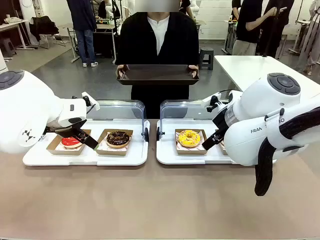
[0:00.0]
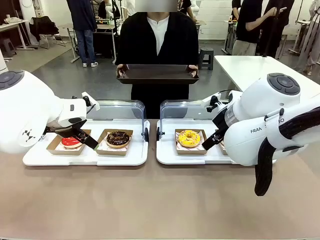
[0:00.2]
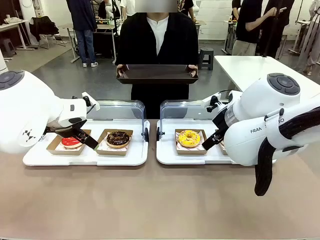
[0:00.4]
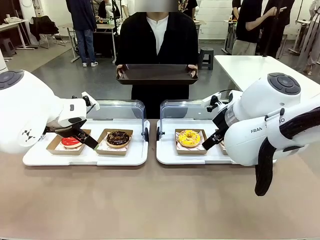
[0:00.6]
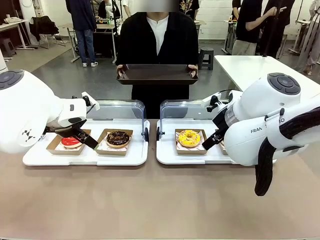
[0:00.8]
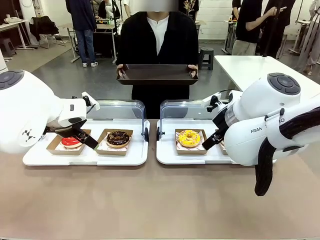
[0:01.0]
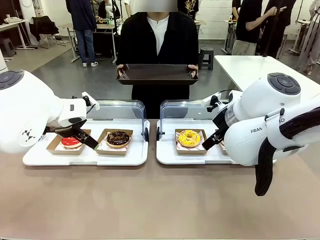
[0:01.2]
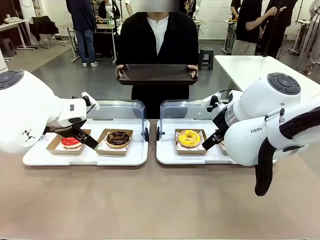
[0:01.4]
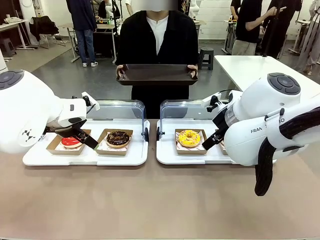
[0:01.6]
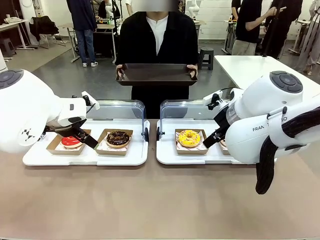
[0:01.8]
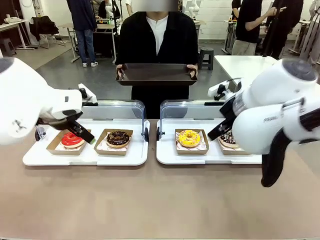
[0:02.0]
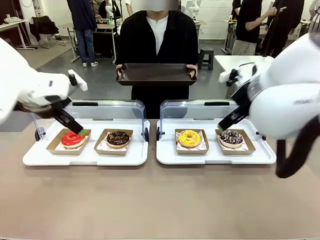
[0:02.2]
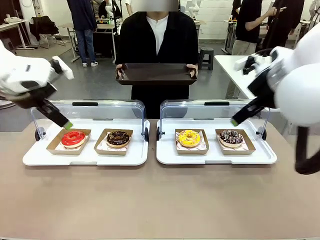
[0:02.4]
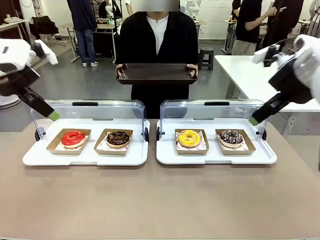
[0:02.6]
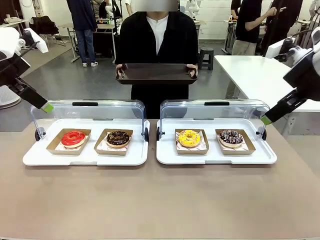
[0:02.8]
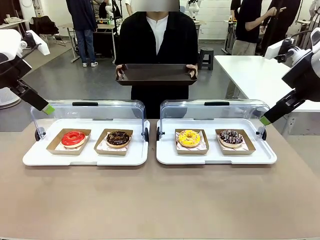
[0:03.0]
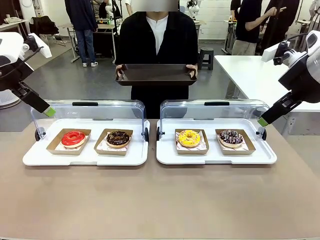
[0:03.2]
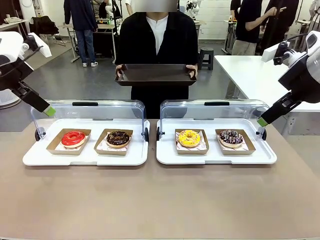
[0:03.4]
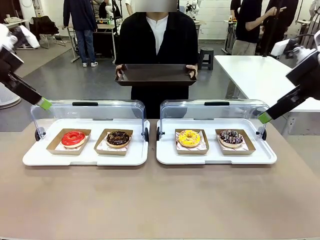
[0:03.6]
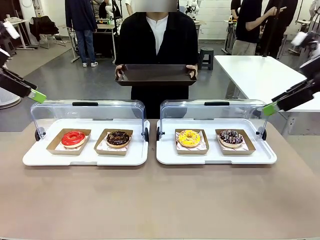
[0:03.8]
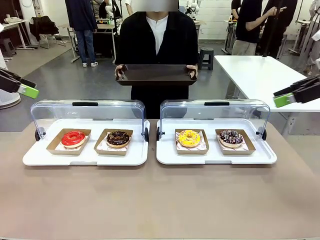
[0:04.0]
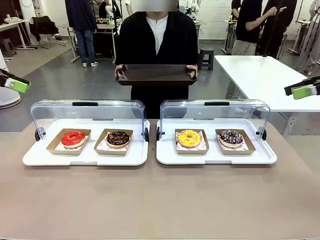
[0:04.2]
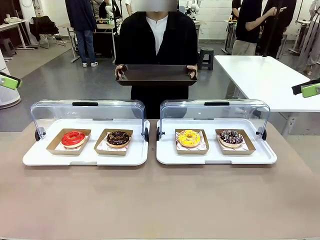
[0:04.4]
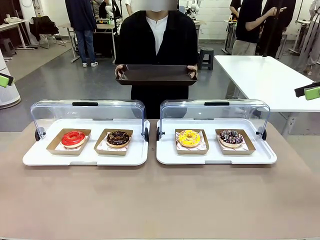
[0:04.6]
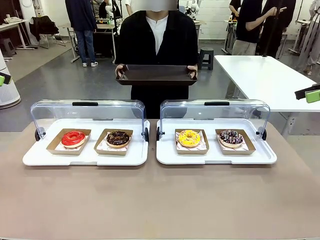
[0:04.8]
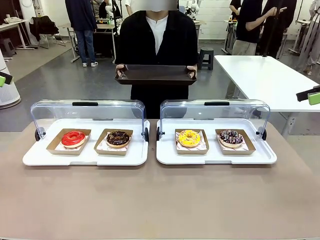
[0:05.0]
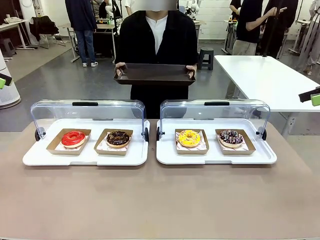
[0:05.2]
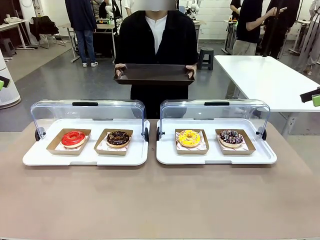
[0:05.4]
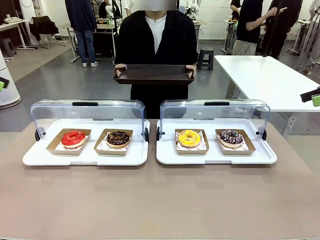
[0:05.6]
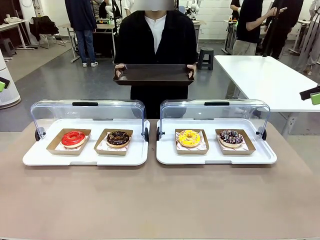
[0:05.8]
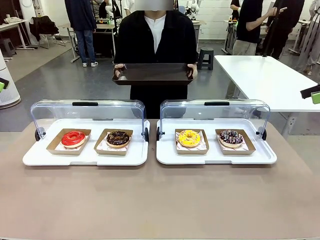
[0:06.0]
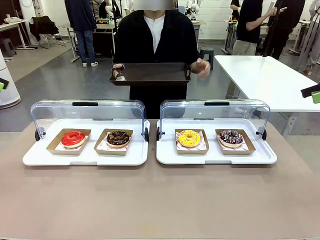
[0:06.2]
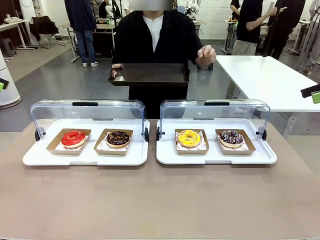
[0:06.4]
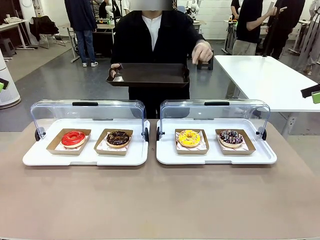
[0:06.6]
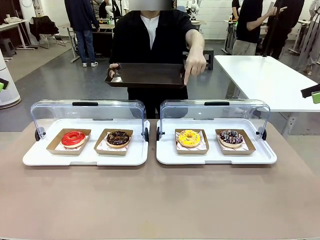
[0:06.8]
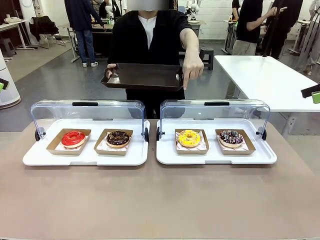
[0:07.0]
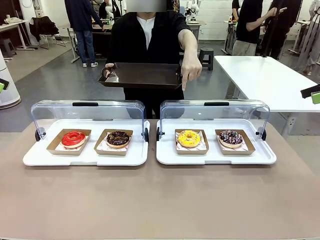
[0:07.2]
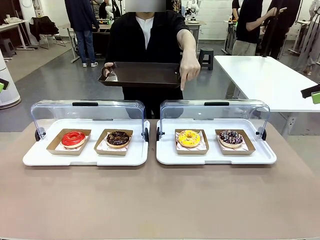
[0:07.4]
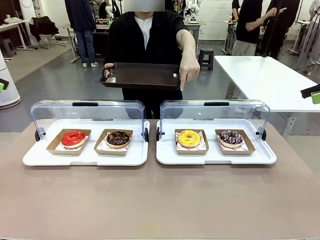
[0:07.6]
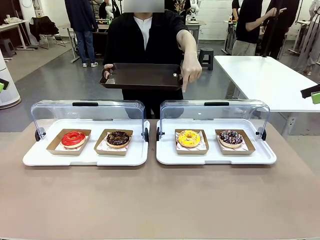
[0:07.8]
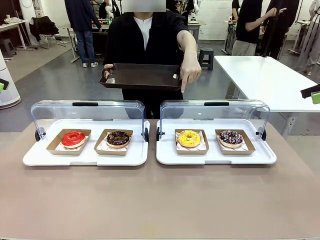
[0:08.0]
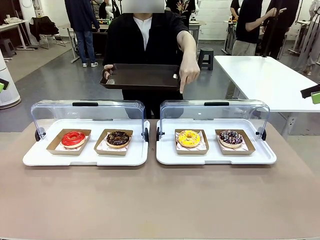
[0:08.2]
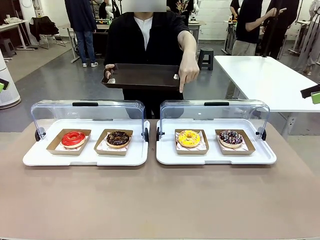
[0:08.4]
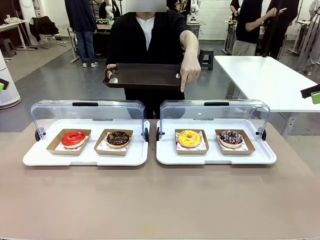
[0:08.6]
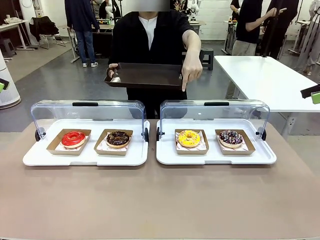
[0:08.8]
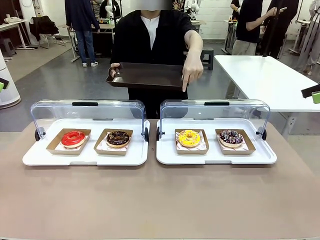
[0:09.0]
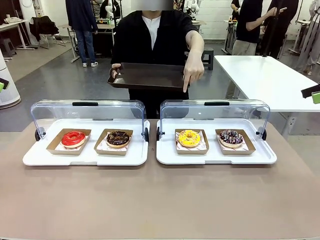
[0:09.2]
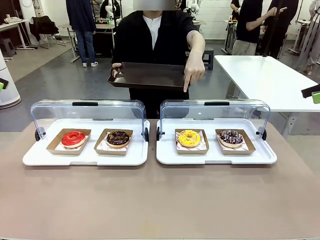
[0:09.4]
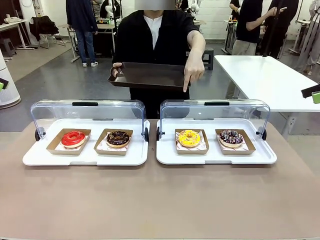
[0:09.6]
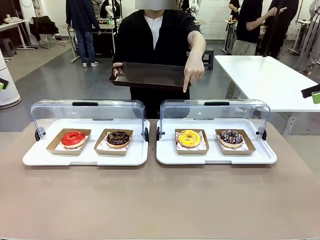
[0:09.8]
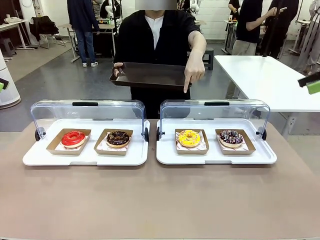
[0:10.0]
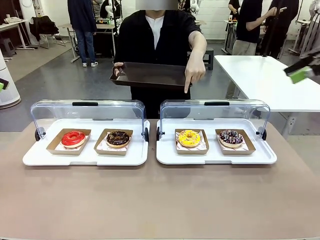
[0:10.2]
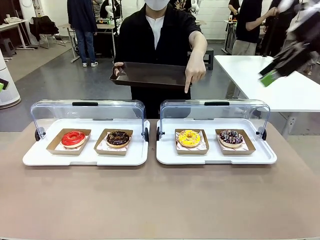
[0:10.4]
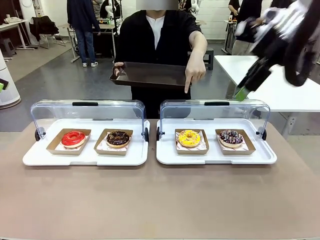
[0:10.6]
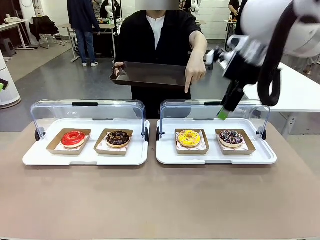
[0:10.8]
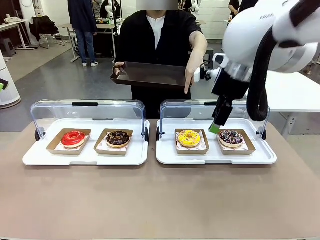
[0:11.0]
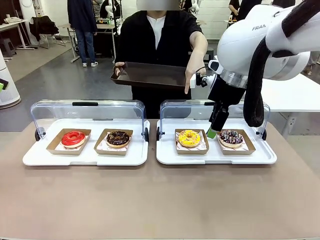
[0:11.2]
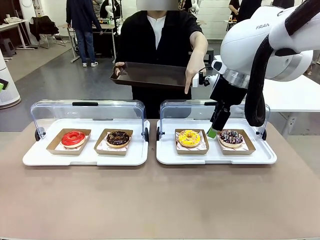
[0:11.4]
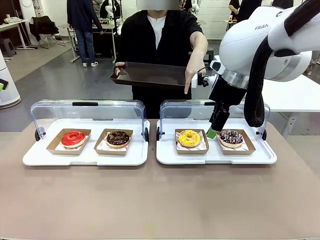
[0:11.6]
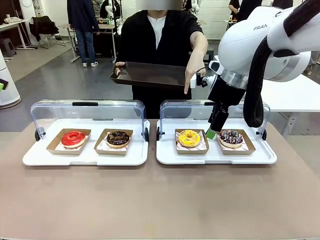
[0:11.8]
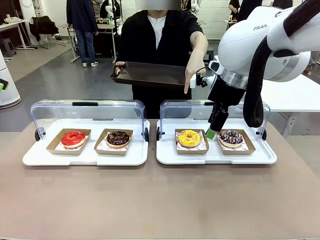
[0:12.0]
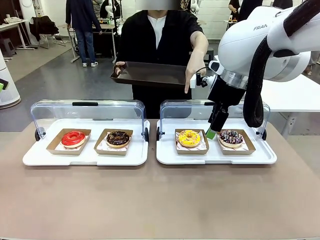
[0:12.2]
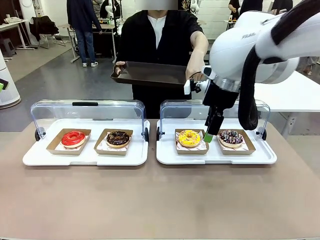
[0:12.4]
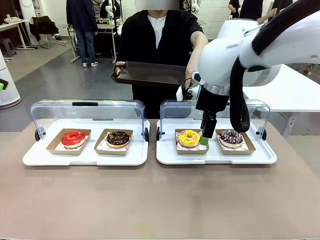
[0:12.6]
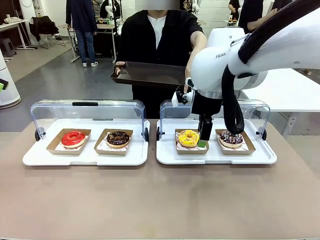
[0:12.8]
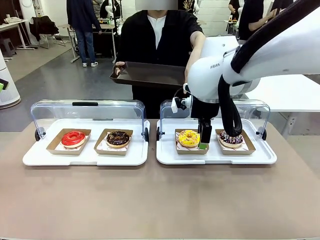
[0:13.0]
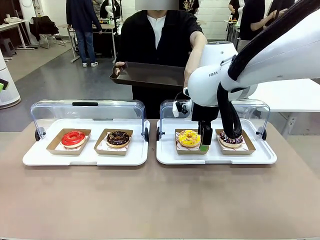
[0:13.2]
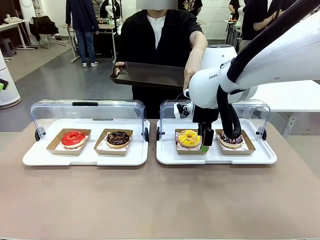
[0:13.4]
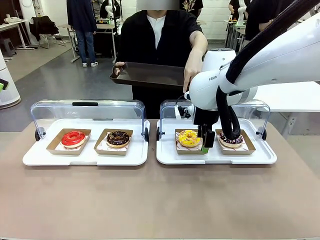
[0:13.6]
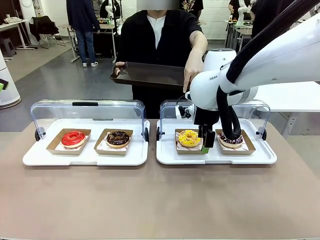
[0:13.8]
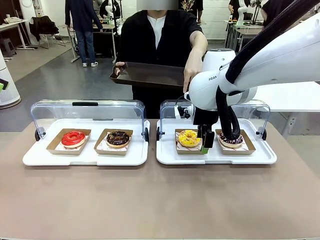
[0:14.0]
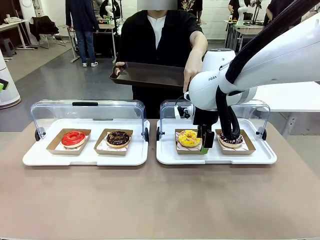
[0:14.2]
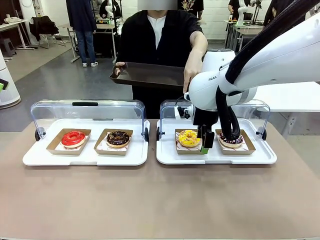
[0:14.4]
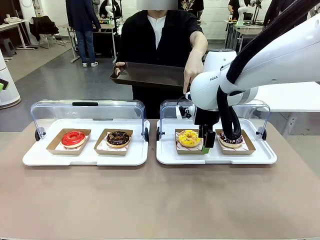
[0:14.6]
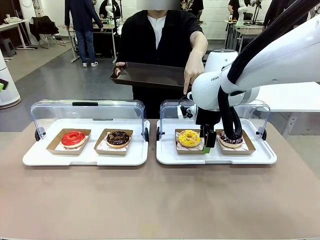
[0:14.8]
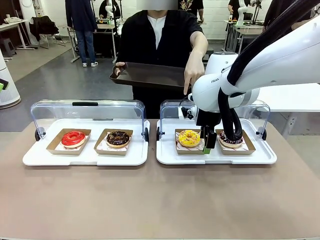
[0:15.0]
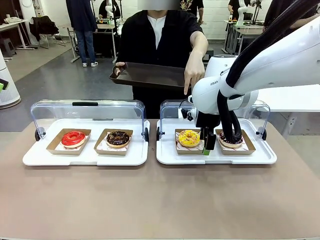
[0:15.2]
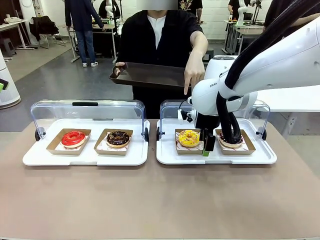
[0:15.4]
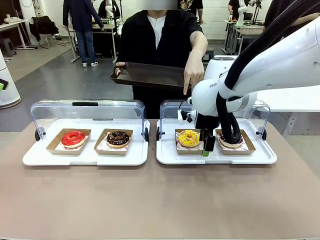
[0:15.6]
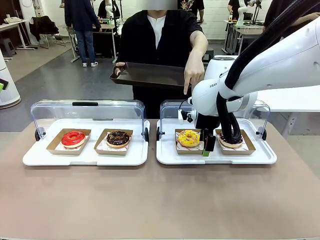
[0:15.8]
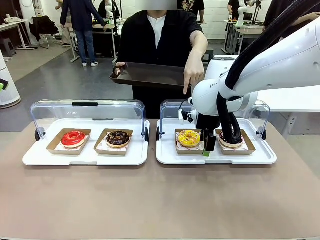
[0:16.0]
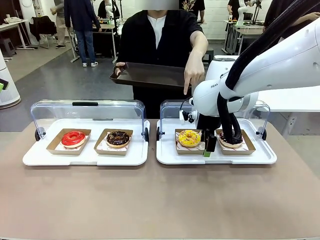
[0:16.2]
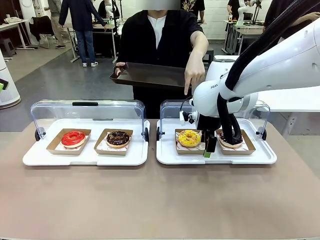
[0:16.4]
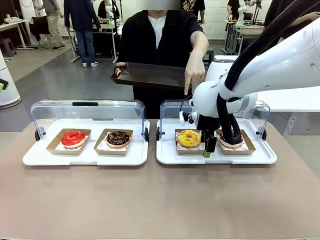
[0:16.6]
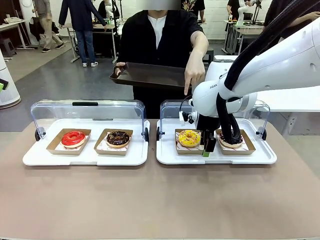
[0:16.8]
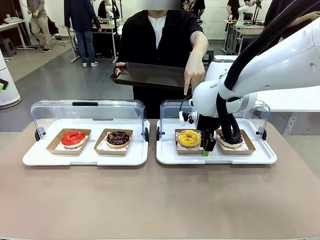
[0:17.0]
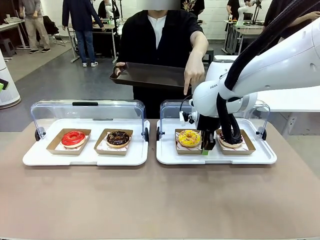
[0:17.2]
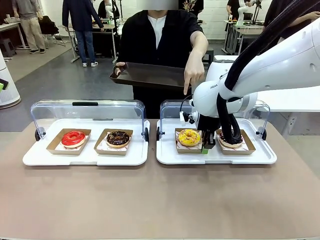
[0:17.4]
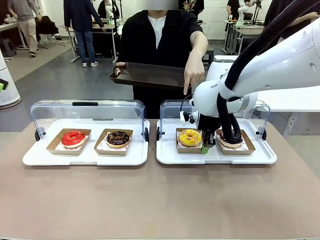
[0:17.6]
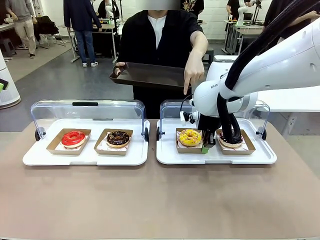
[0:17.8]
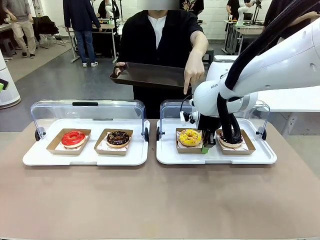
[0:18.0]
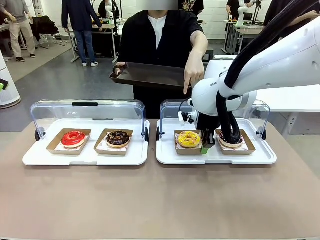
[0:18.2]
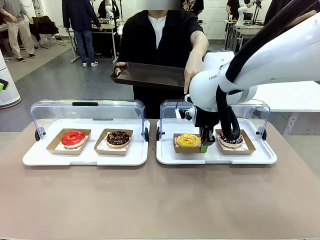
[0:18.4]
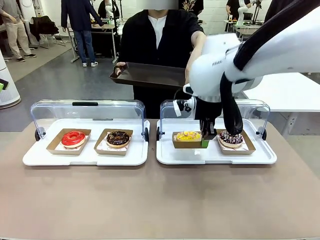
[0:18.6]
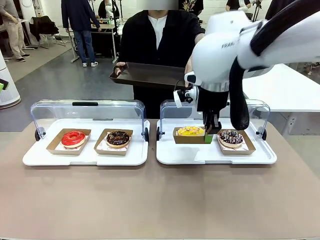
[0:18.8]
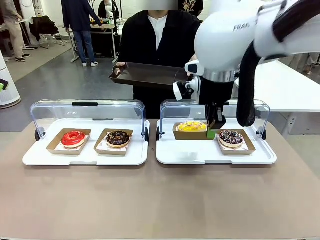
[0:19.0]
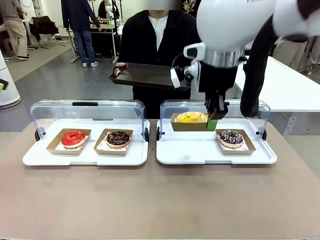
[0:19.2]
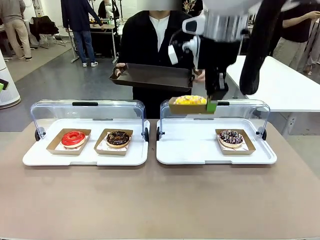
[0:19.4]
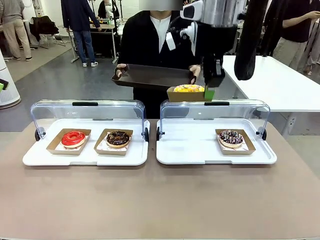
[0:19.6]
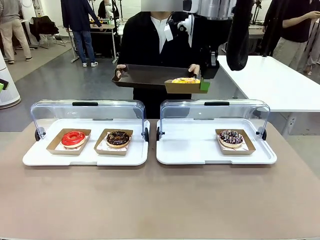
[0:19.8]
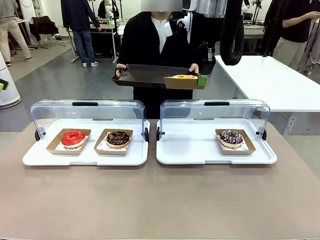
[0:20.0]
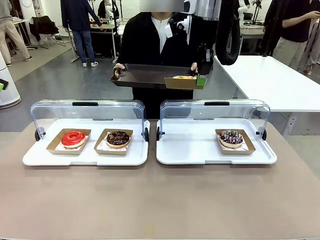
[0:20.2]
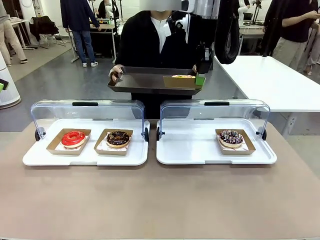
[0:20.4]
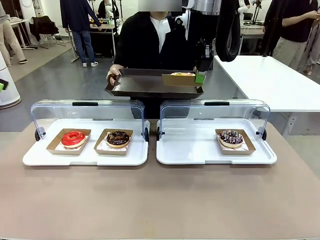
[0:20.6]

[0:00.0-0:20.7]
Task: Provide the desired donut to the person.
Robot: Pick up and lift the Paper togo box containing the Donut pointed at by the person.
Person: Point to one donut. Lift the tray onto the Roll-Top Bakery Case.
